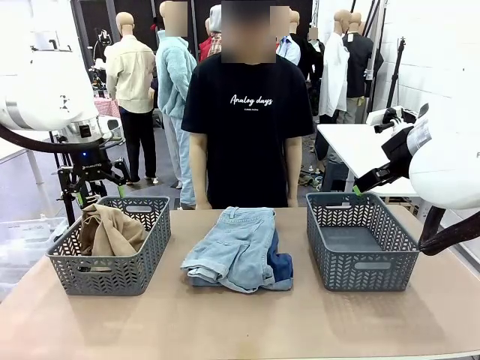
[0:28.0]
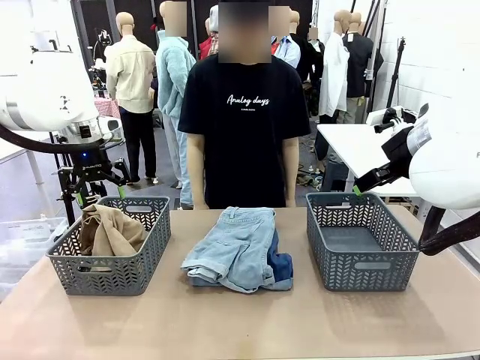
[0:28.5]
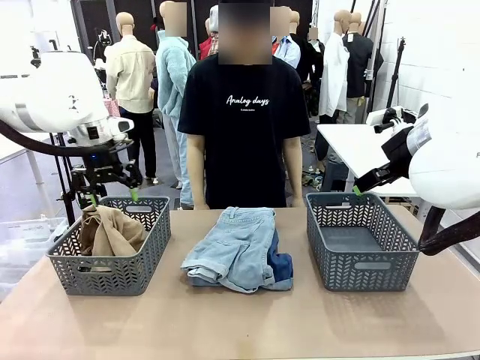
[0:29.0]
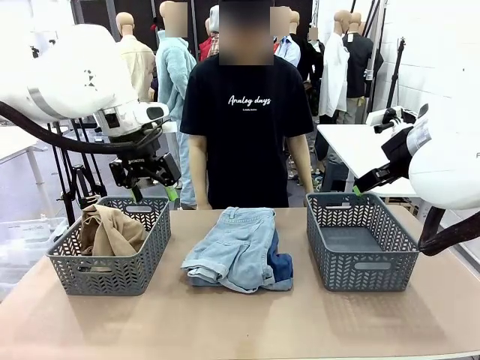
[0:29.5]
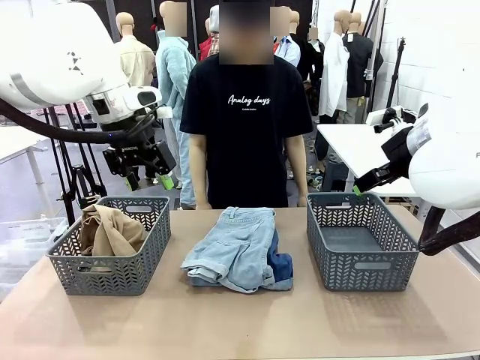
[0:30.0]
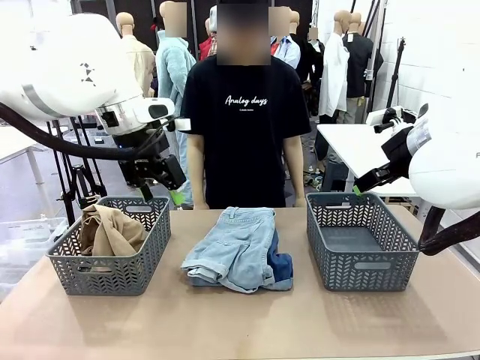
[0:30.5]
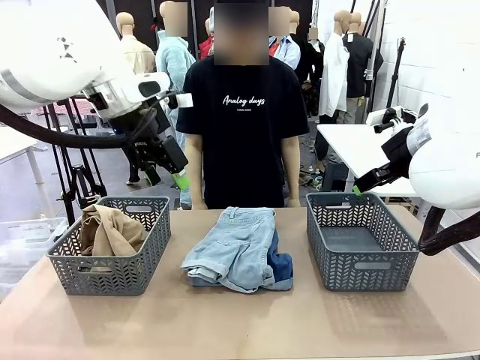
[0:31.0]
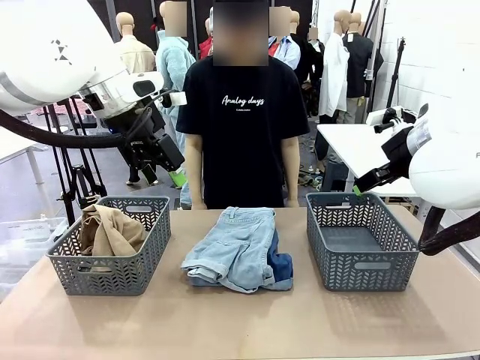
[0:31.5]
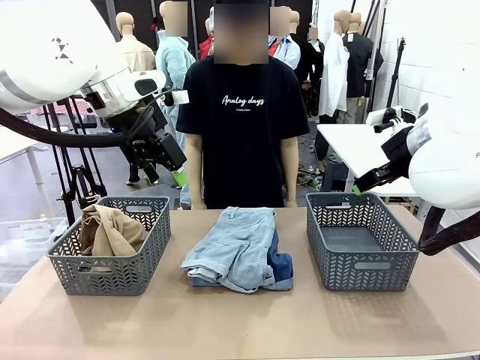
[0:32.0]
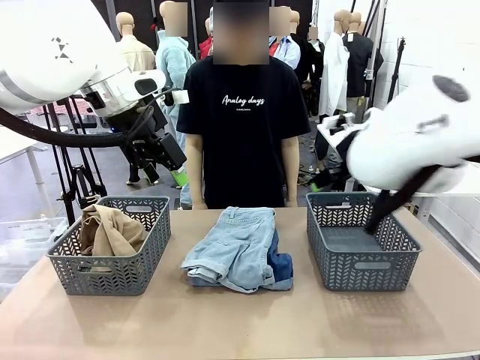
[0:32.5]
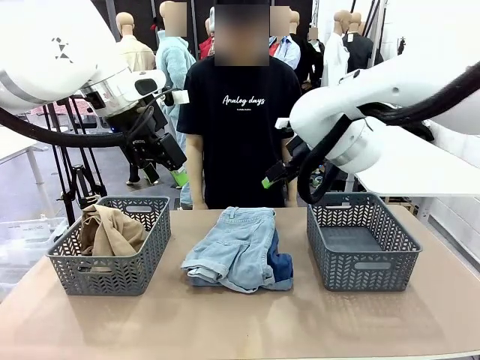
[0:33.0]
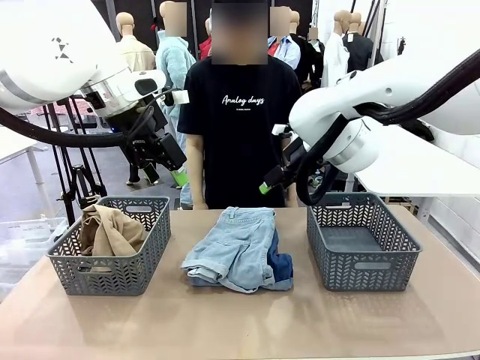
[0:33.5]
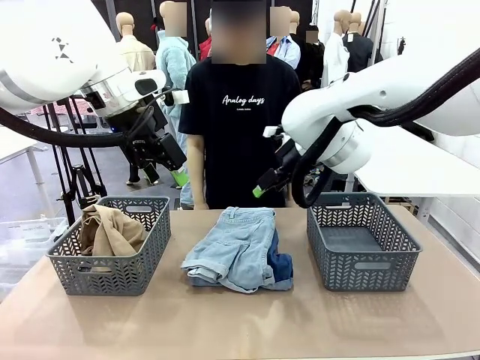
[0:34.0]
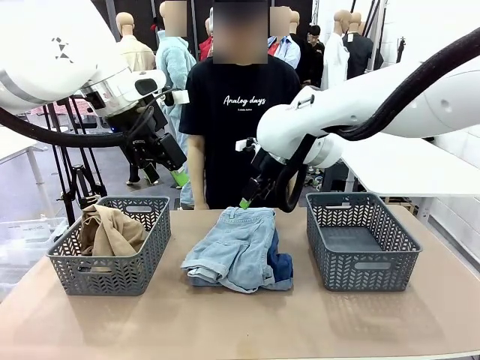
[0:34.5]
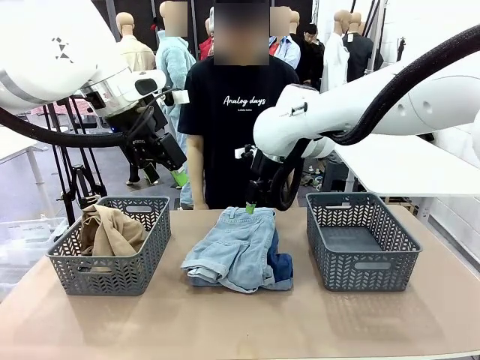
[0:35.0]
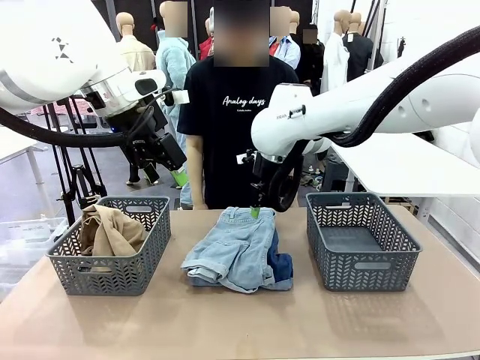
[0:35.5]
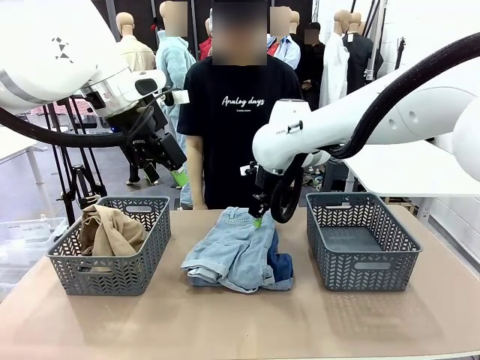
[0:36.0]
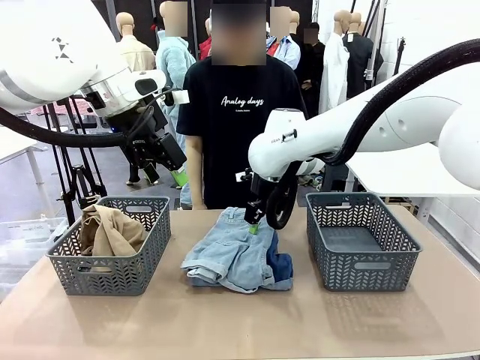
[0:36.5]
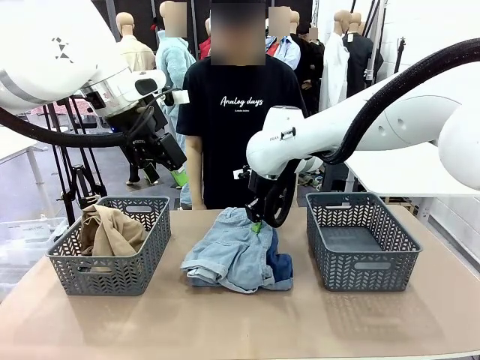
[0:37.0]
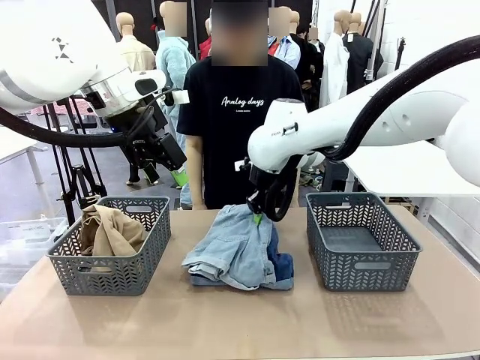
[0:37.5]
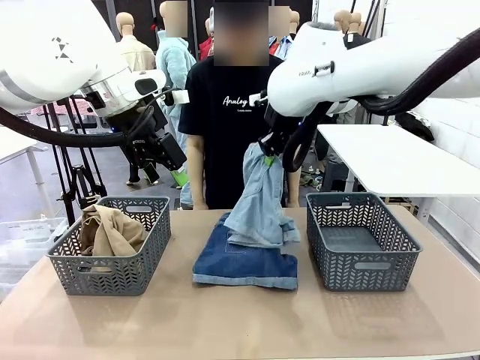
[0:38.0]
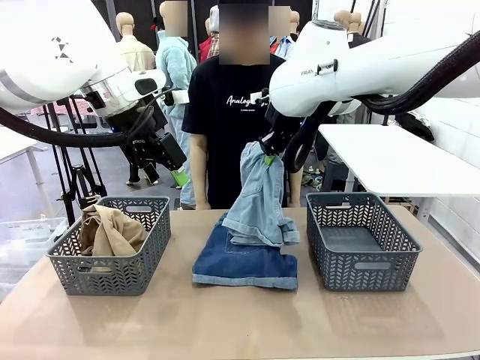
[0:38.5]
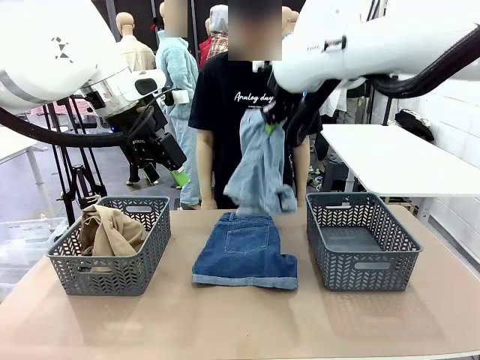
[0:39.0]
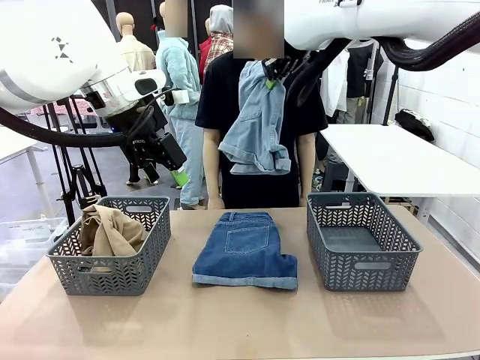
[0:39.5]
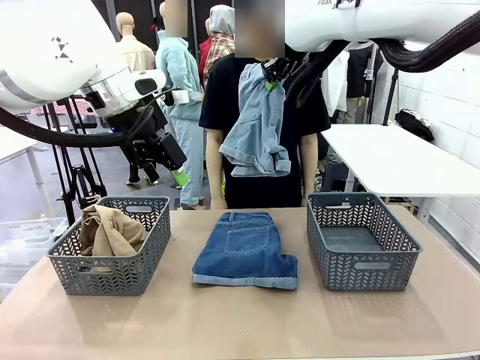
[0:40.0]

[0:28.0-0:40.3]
Task: Sort the tops and bottoms.
Robot: Lift clothes from the center of the table with your right hand.

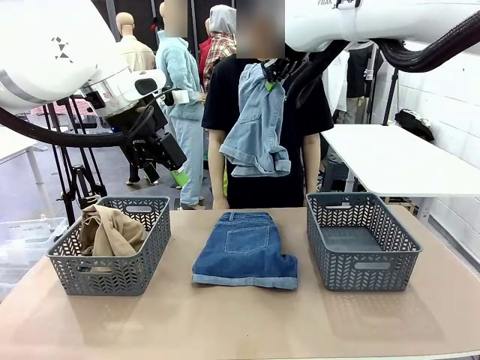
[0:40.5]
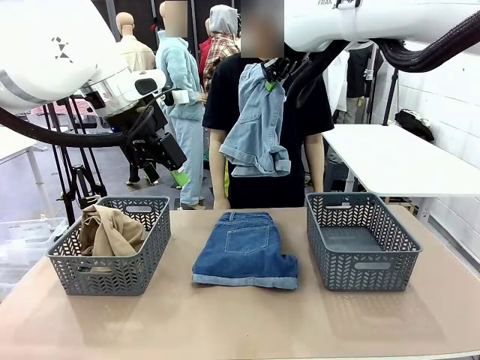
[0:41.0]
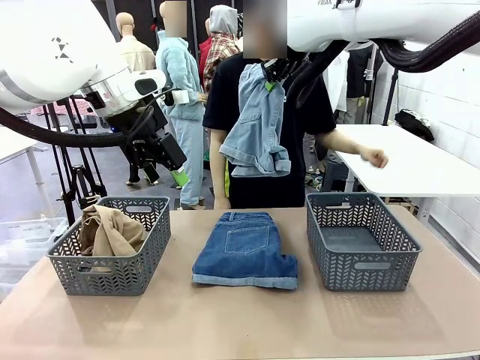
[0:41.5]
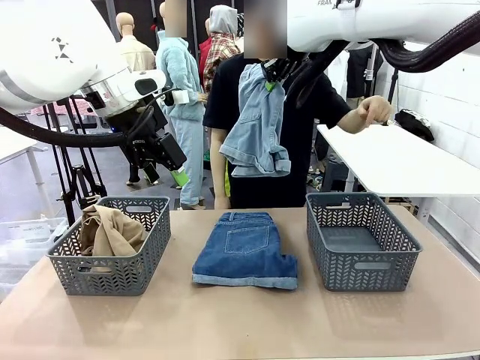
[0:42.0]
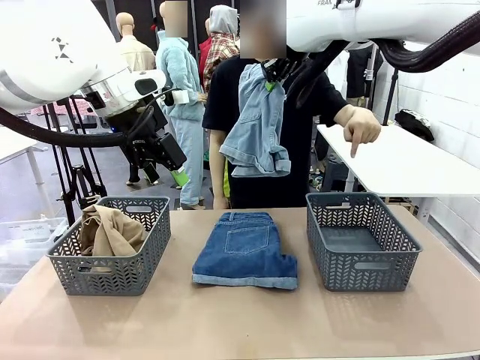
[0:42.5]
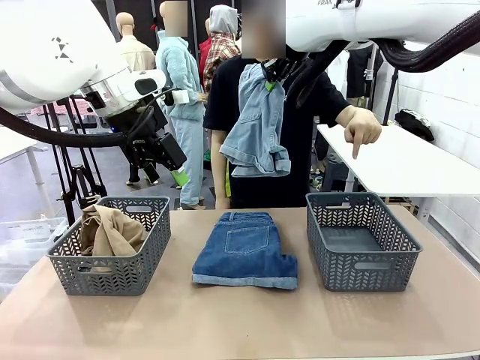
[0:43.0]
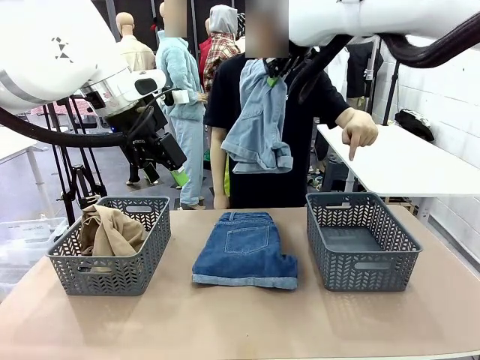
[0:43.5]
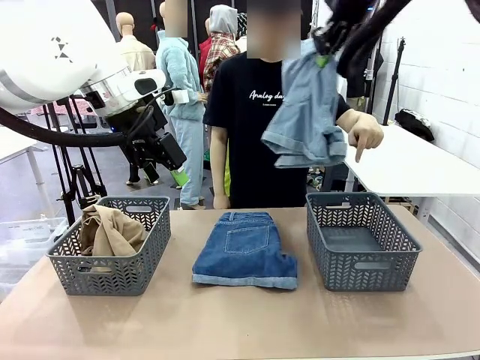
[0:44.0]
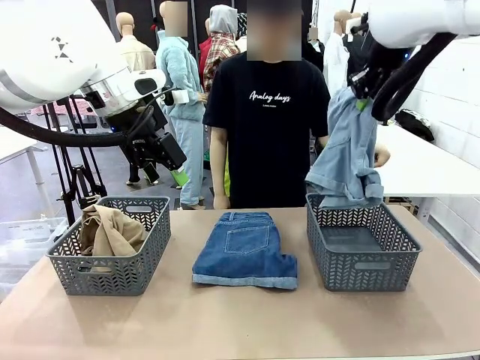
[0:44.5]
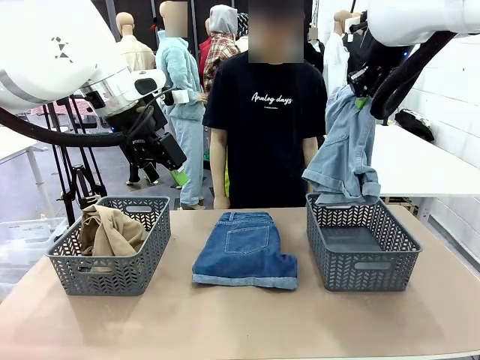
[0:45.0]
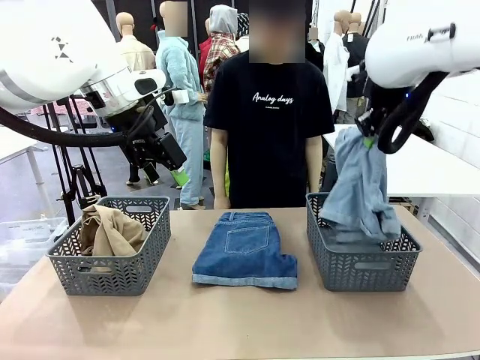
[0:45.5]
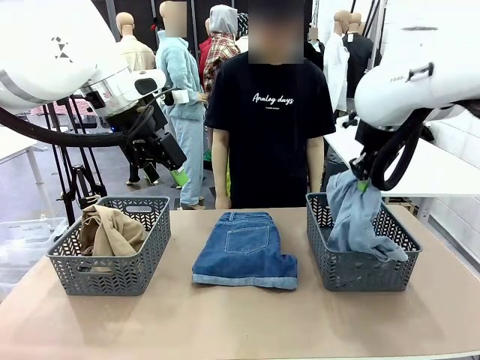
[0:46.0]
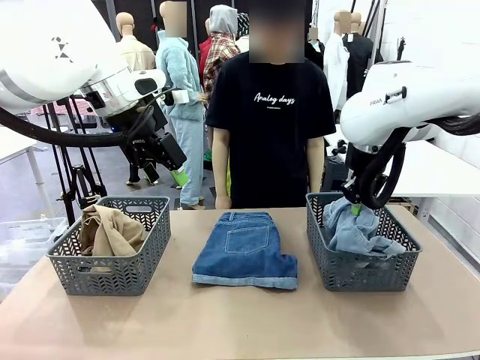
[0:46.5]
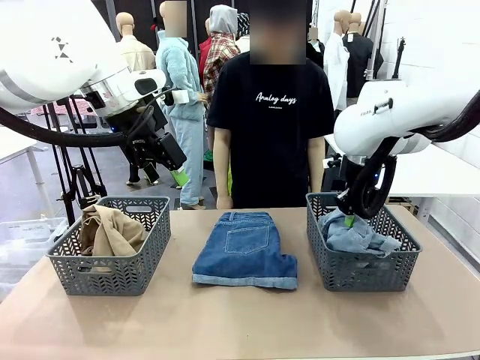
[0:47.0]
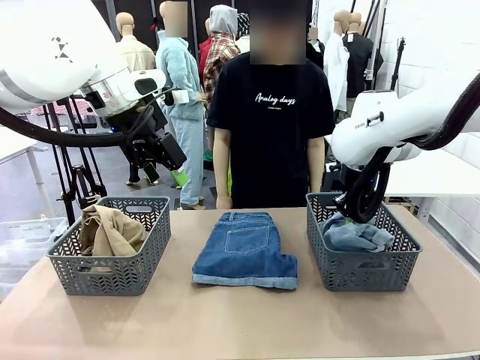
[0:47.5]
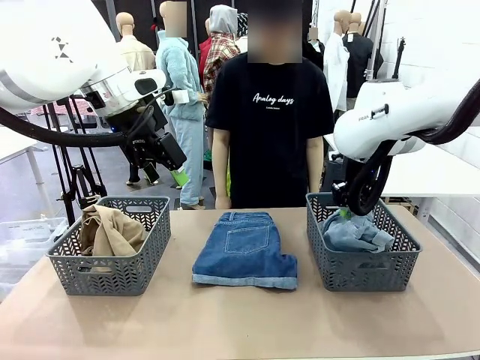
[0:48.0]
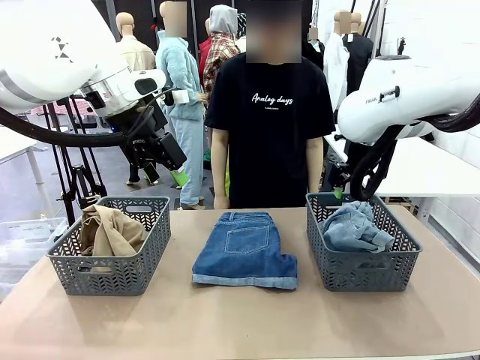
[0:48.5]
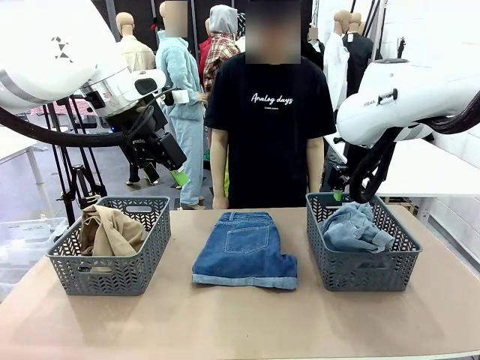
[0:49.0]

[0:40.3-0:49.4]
Robot: Sort the clothes according to human instructions.

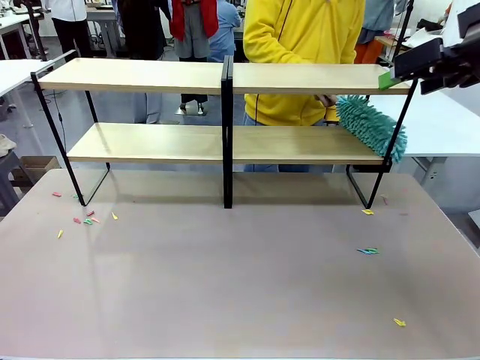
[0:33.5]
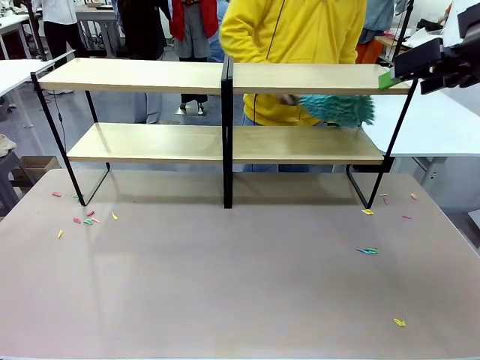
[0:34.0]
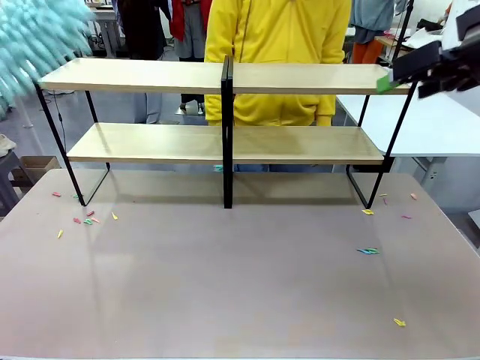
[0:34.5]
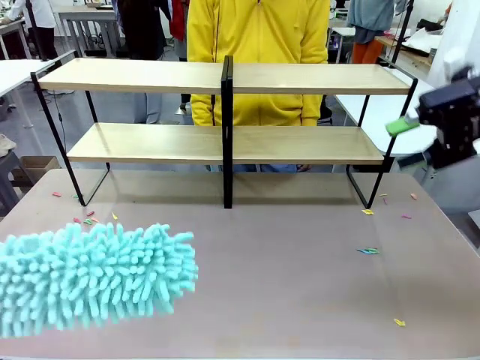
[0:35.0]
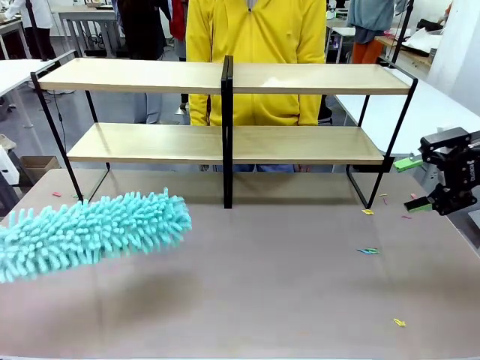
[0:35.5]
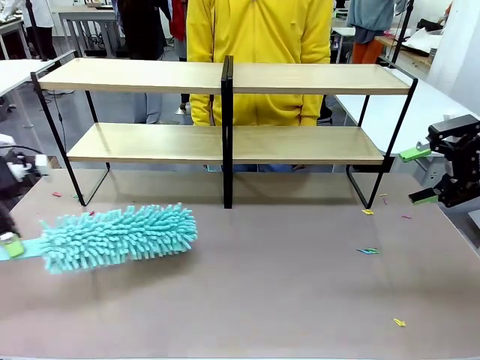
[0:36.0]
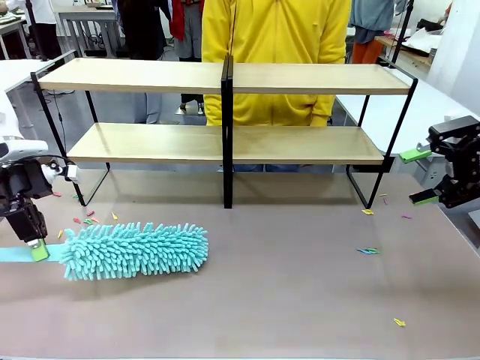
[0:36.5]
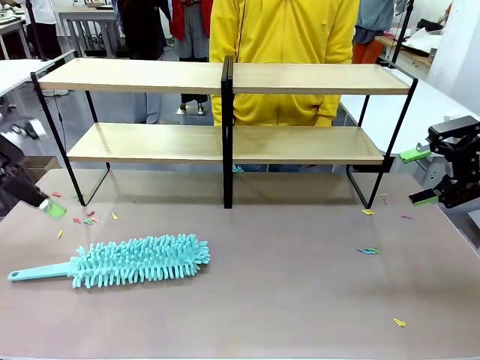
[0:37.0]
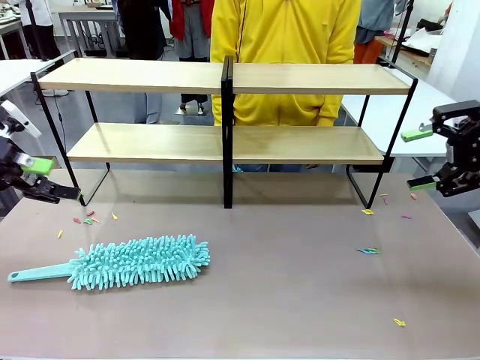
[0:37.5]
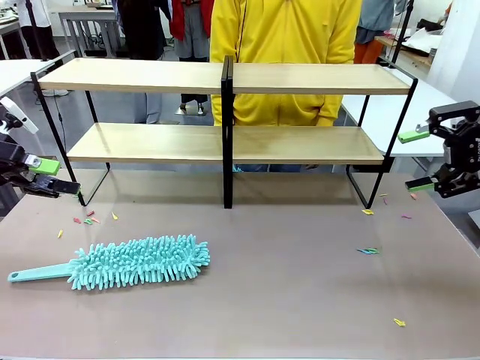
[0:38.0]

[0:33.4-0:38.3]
Task: Clean the shelves.
Robot: Place the Duster on the table.
